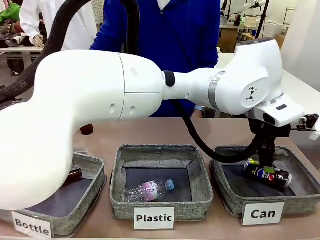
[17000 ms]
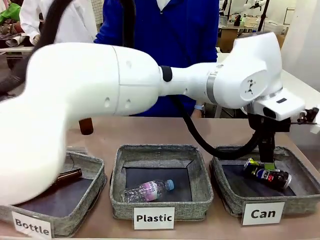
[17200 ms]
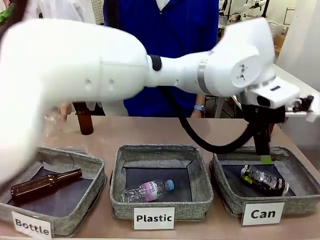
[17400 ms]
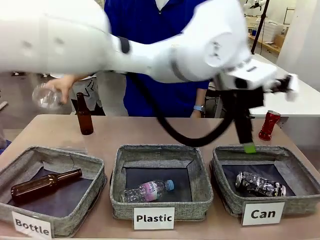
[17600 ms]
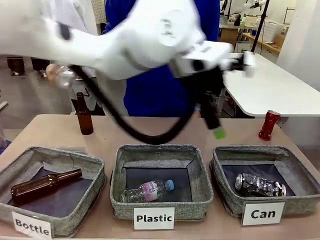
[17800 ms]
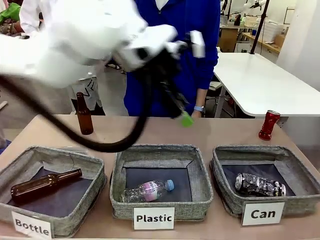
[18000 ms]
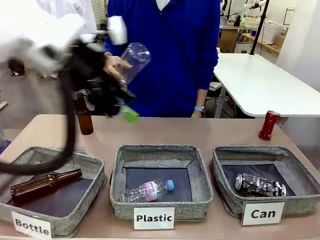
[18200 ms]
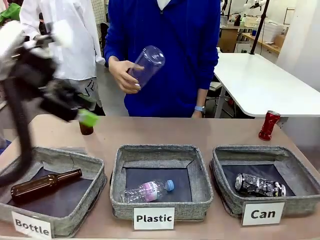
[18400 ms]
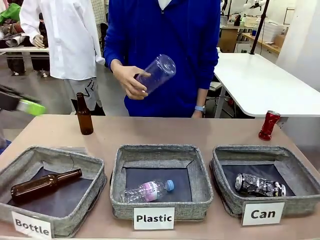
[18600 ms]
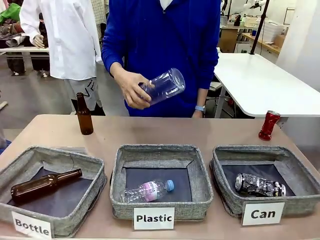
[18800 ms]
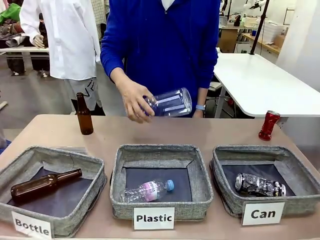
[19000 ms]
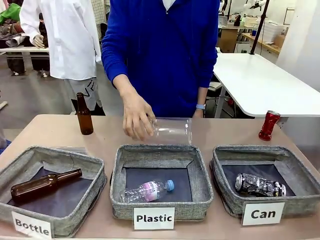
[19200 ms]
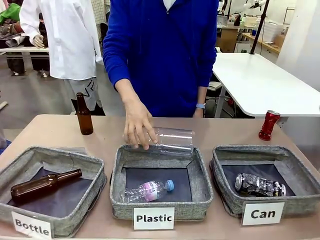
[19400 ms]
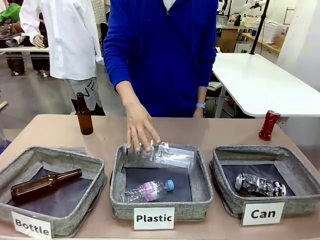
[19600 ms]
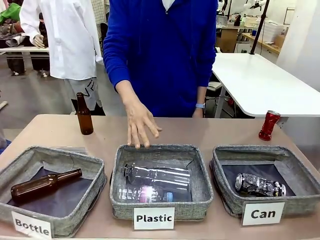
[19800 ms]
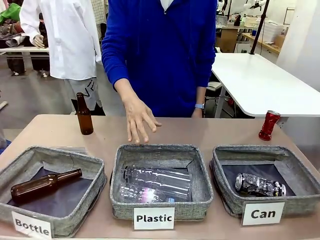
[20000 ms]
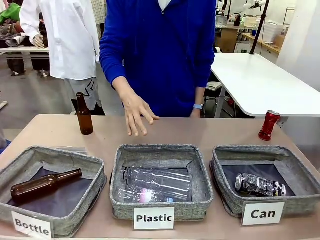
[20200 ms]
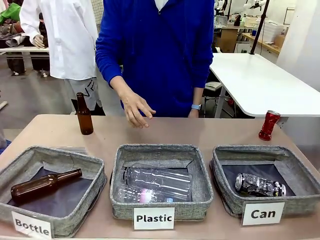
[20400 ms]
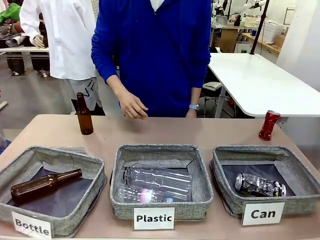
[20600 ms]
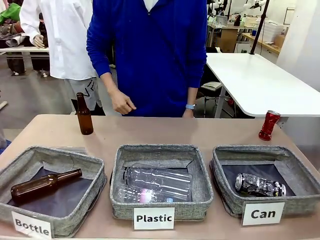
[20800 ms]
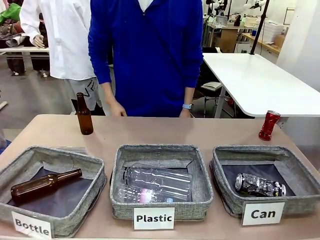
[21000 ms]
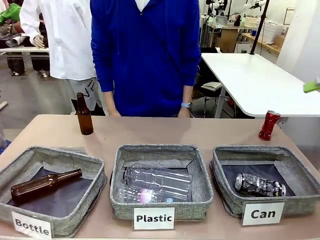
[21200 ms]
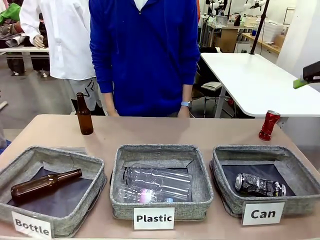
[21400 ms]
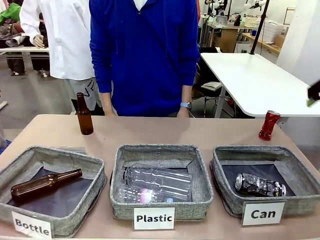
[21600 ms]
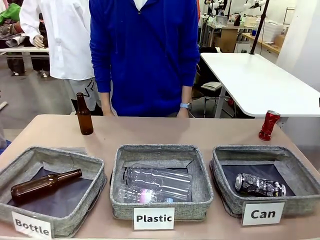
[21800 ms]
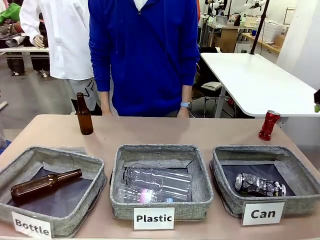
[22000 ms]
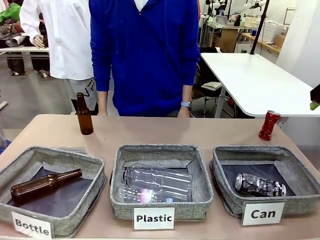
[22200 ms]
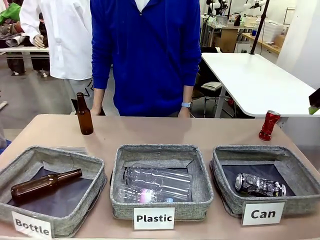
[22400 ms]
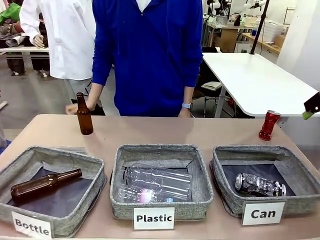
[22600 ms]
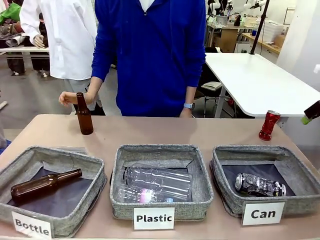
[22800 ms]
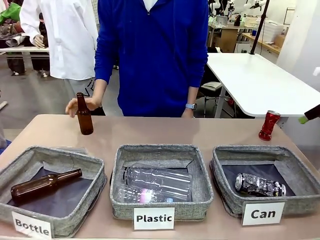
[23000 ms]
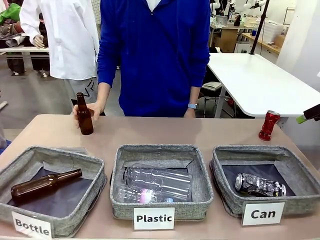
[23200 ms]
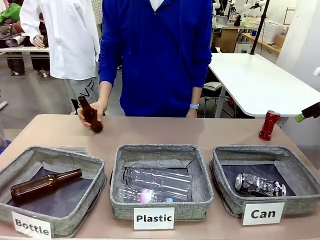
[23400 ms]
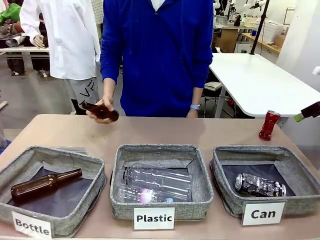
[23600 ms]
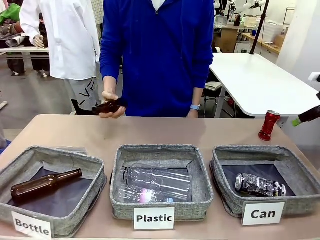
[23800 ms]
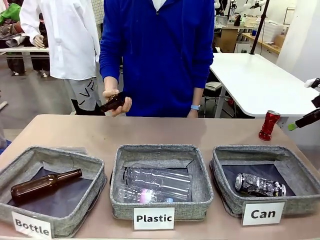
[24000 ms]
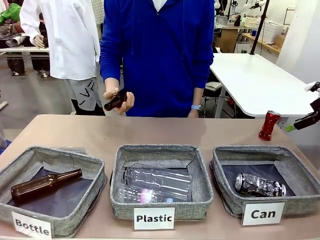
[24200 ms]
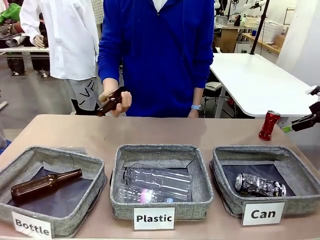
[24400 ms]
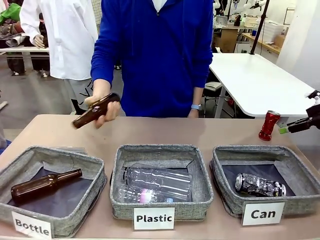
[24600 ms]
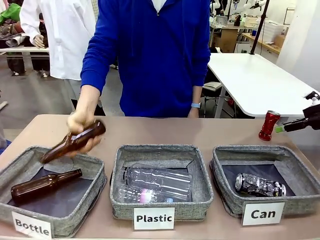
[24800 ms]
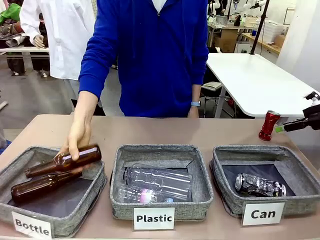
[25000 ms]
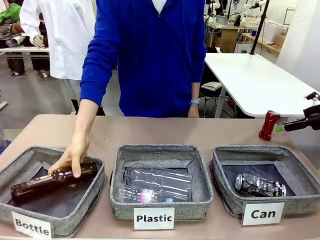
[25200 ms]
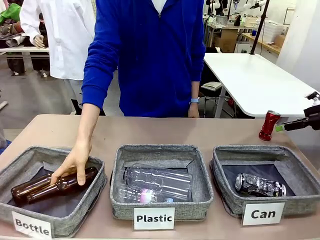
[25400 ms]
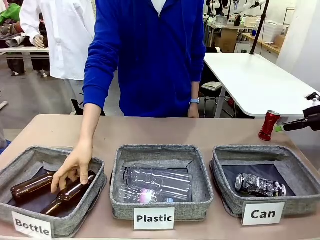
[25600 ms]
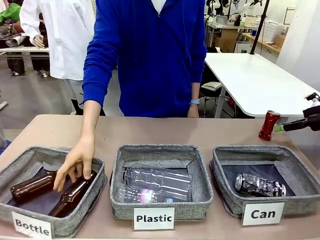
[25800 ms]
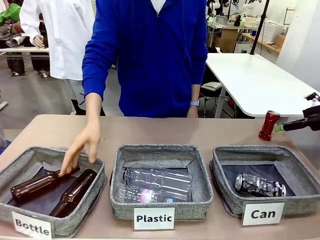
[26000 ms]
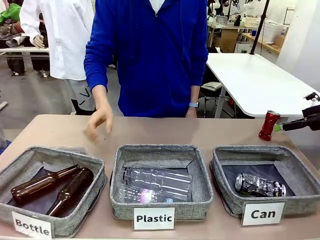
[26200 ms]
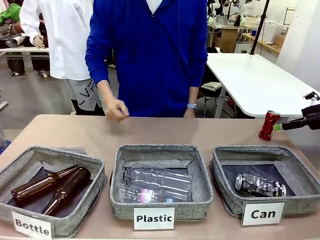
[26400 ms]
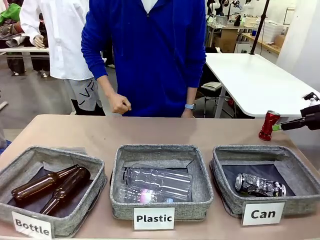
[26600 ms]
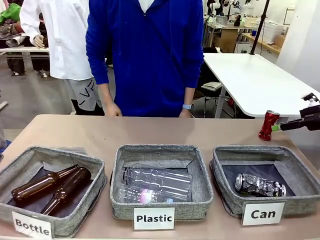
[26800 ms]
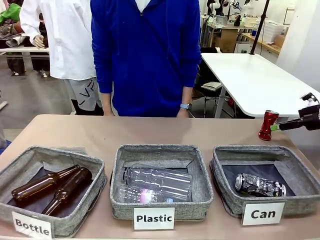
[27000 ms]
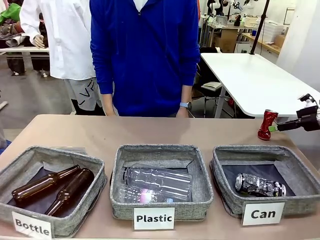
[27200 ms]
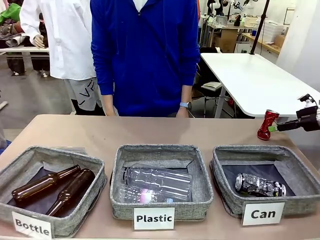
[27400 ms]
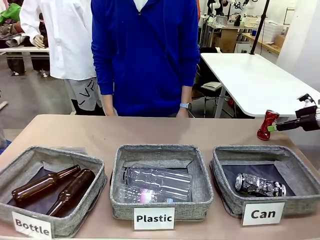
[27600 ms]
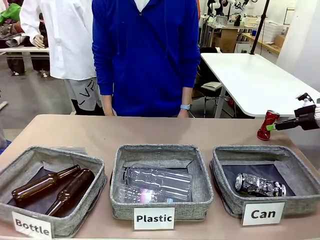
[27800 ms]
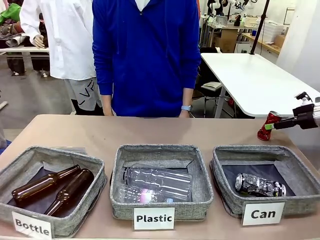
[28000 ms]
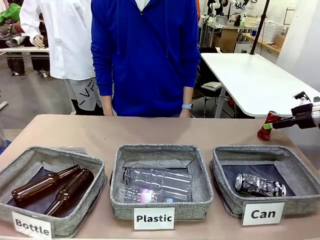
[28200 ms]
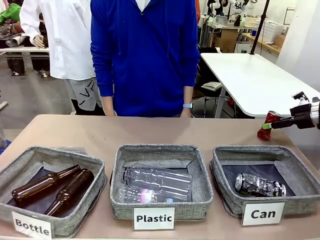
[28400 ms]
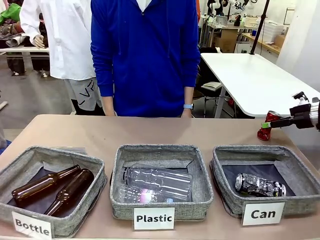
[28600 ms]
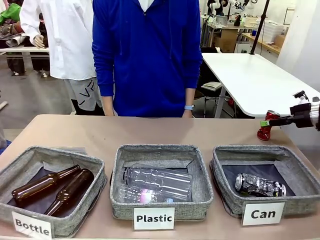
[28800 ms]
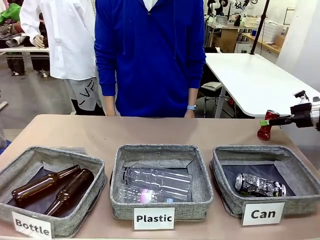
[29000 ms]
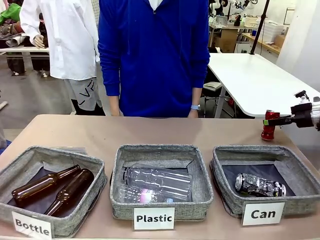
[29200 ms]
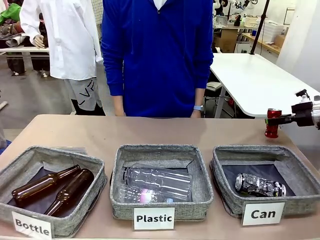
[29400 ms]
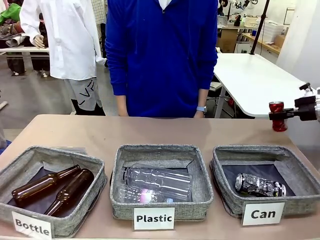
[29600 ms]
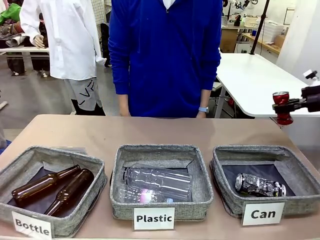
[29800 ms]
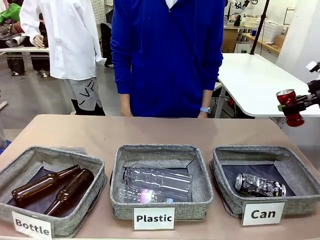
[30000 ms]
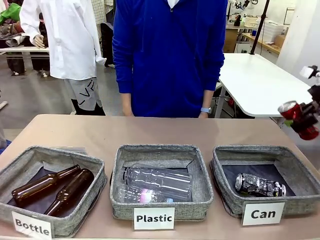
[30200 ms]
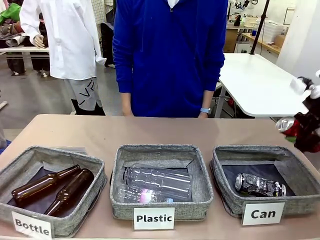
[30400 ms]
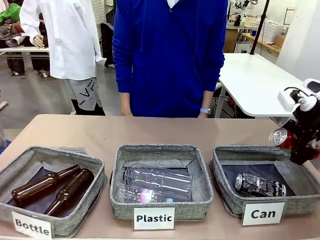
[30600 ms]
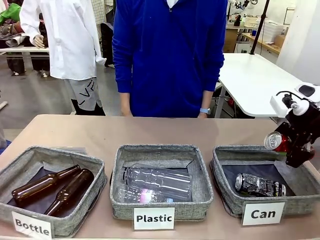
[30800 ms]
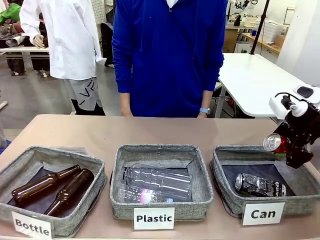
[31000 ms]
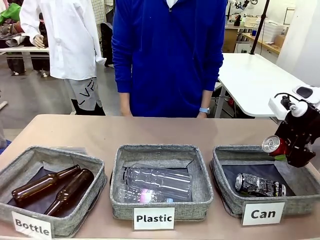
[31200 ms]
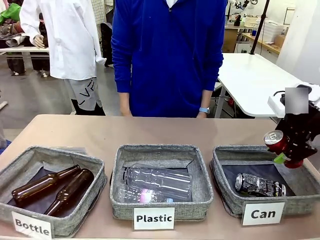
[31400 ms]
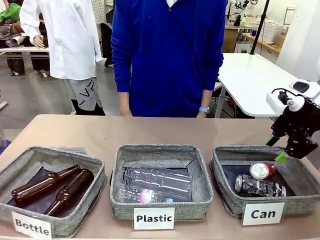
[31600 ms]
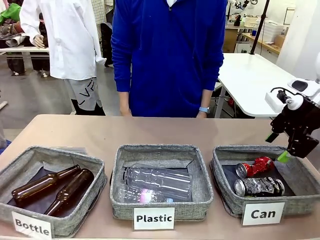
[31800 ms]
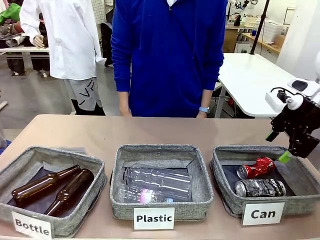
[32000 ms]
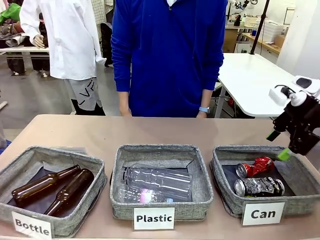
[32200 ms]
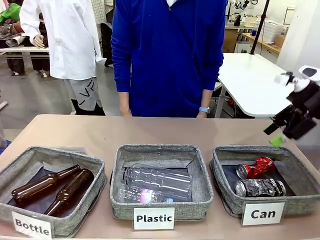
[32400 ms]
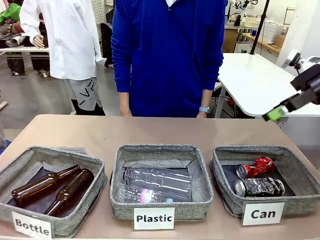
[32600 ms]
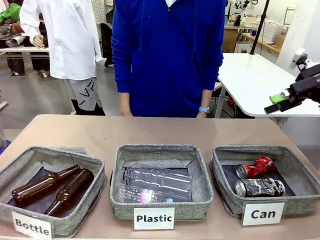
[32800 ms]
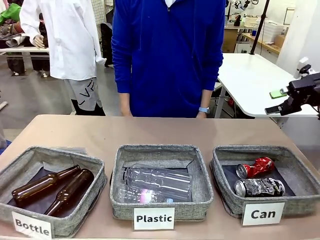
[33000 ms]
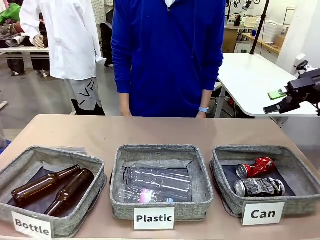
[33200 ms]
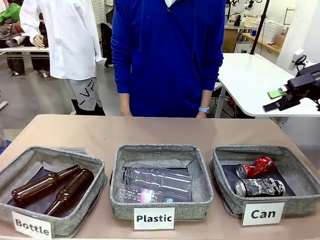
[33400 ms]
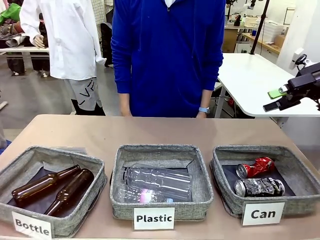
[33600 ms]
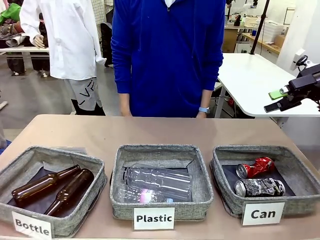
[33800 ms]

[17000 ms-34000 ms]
Task: Sort the can waste into the basket.
Robot: Pick up the can waste from the table and place it in the right Fabric basket.
